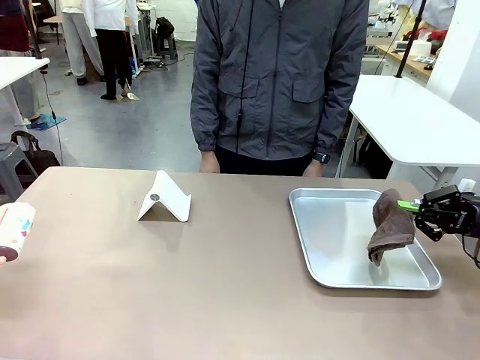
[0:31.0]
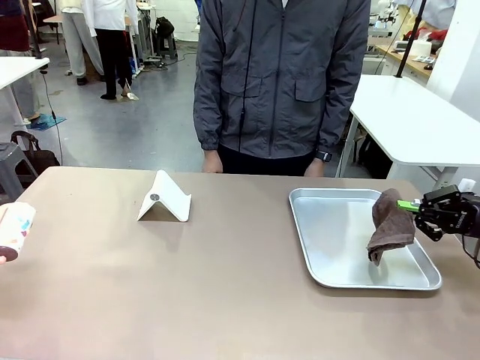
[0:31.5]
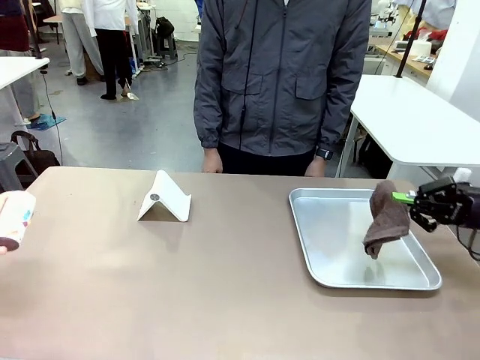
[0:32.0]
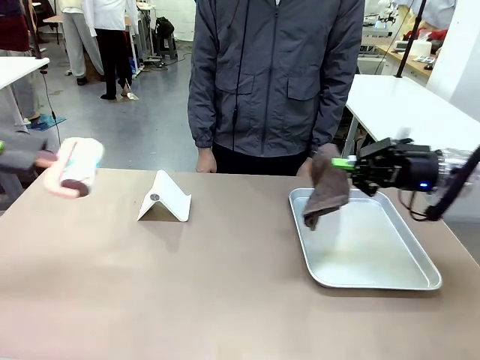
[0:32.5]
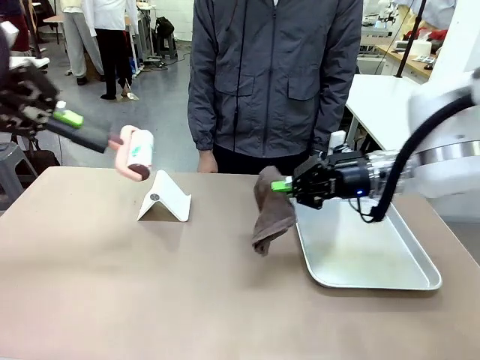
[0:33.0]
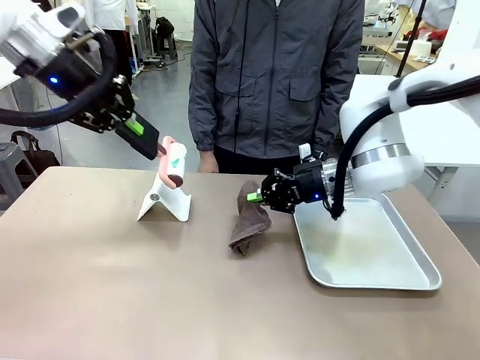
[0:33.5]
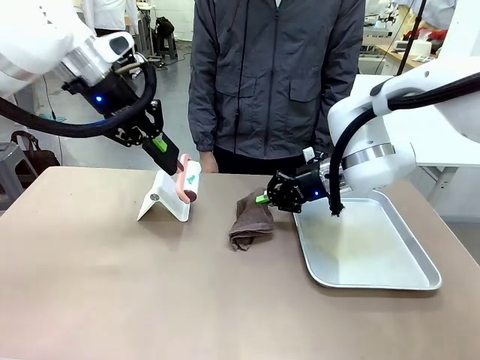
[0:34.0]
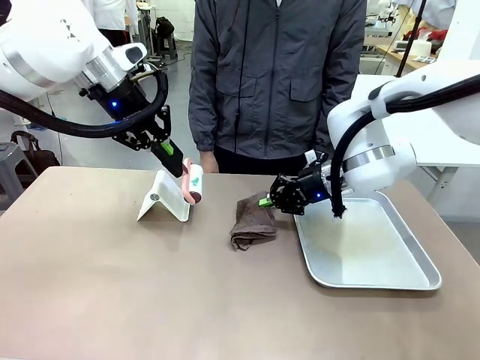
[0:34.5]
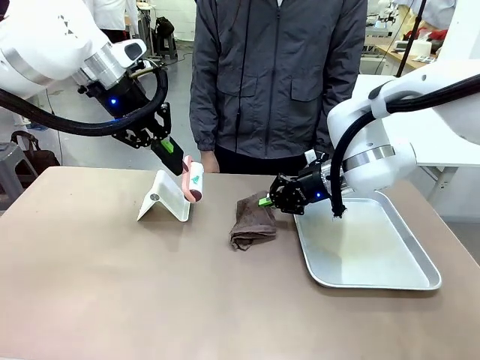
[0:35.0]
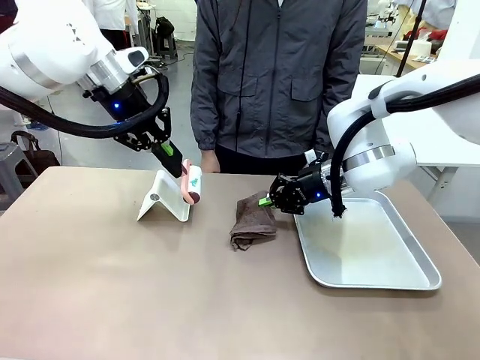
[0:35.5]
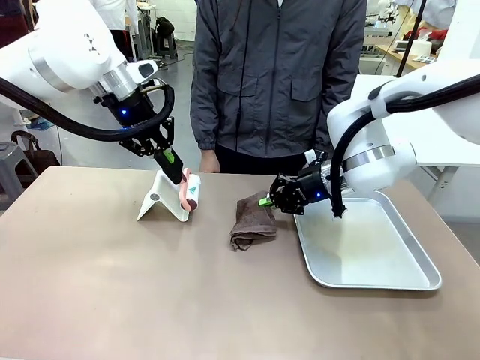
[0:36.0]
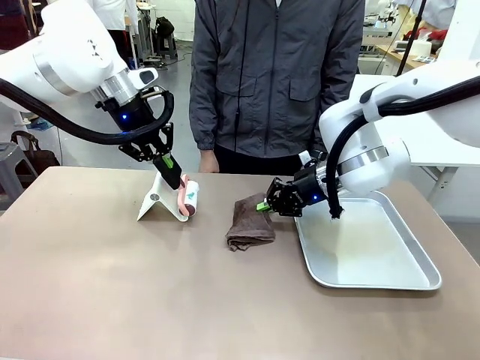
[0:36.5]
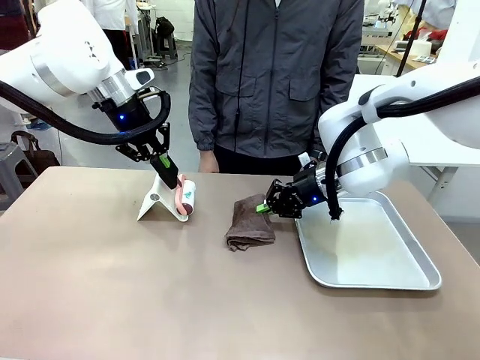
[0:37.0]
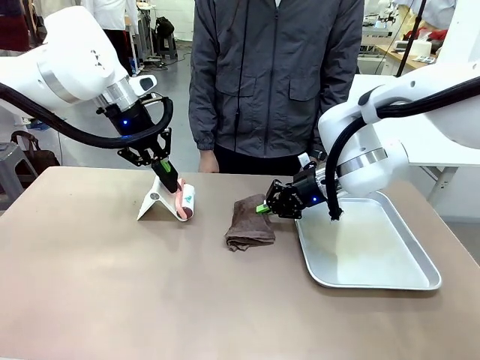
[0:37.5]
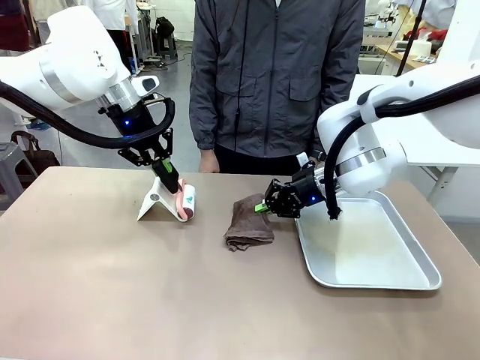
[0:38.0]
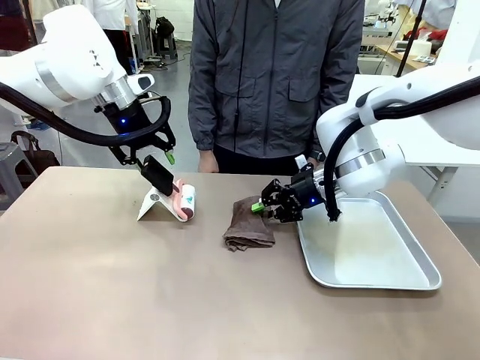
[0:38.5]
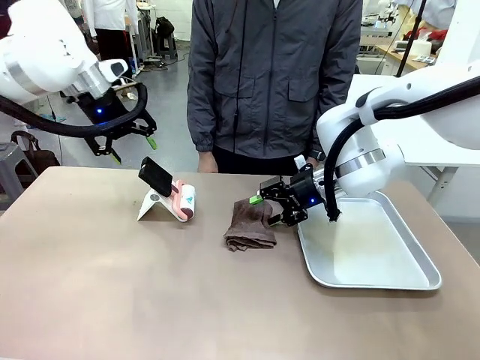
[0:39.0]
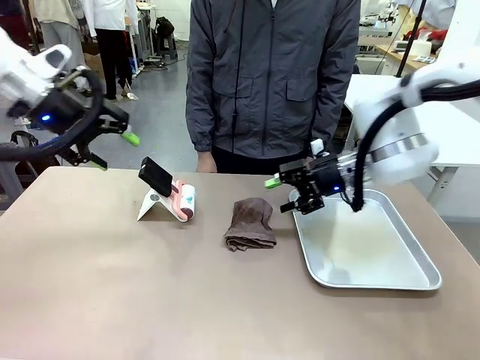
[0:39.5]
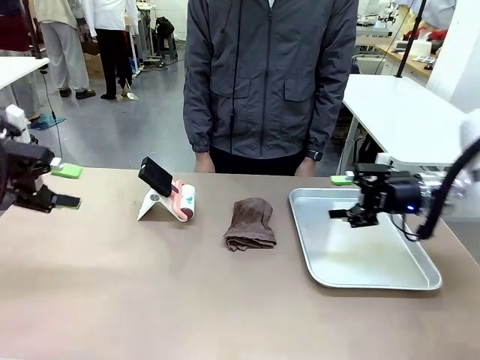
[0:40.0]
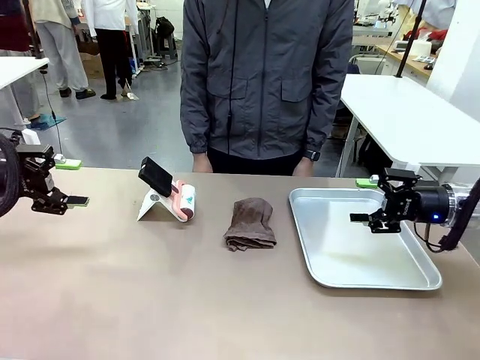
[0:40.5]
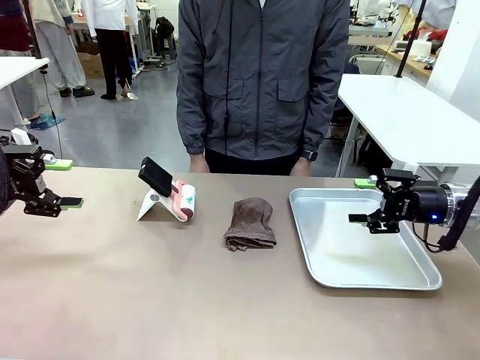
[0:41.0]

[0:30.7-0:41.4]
Task: Clean the surface of the table.
Robot: Return the Lint Roller and towel to their original positions.

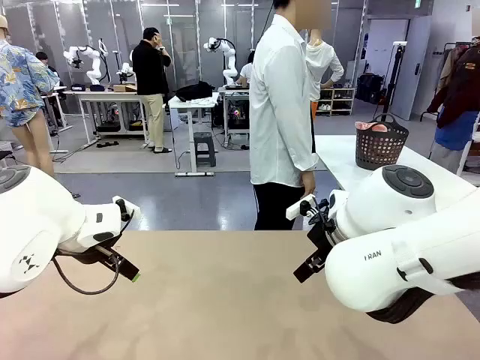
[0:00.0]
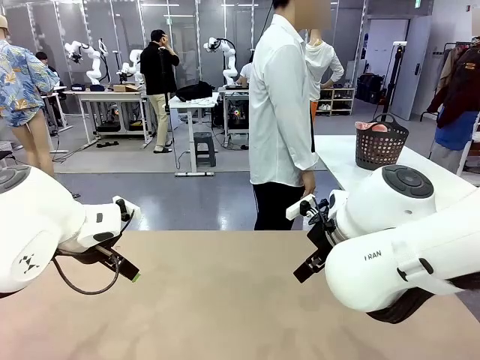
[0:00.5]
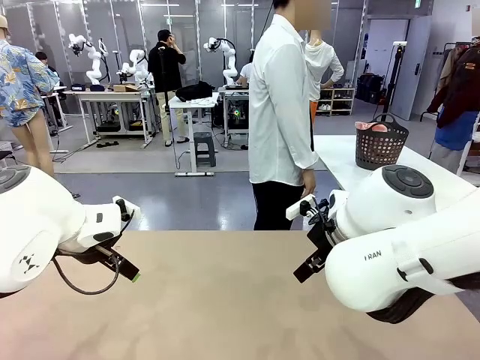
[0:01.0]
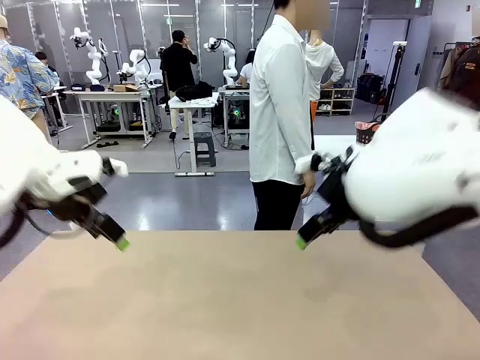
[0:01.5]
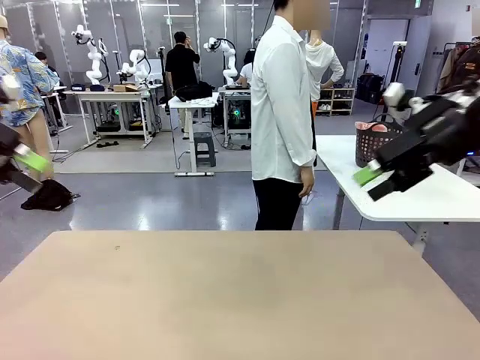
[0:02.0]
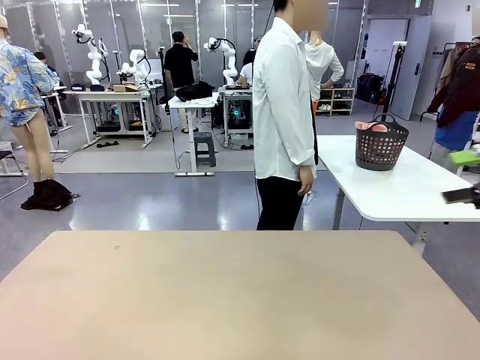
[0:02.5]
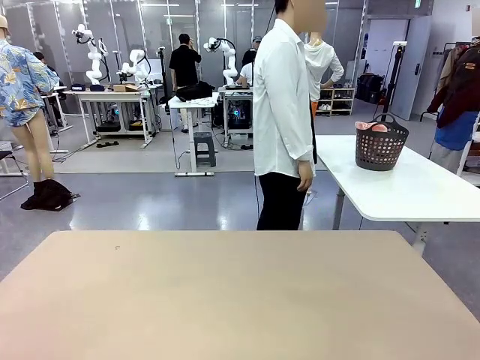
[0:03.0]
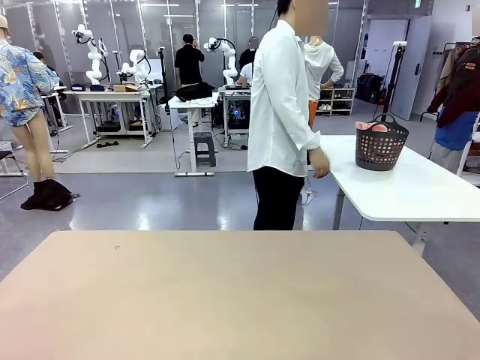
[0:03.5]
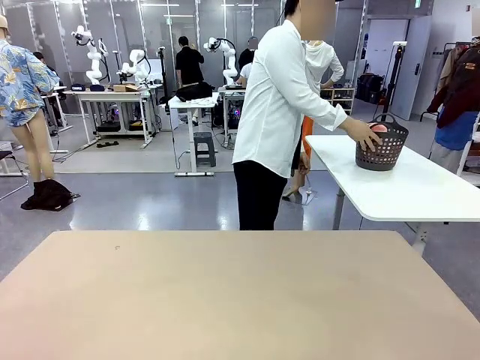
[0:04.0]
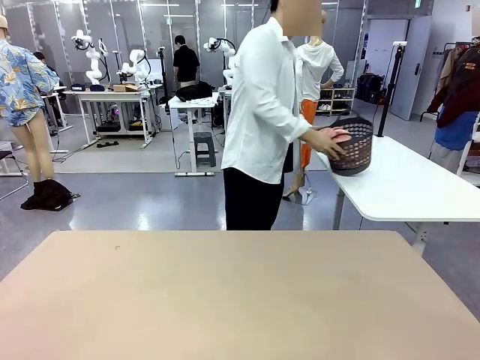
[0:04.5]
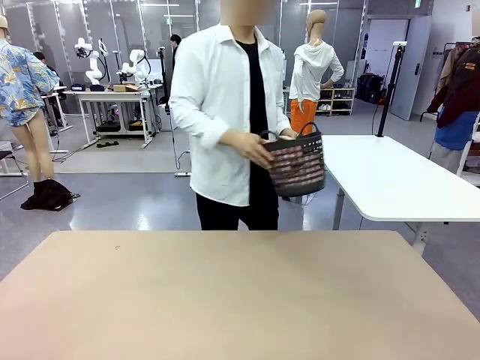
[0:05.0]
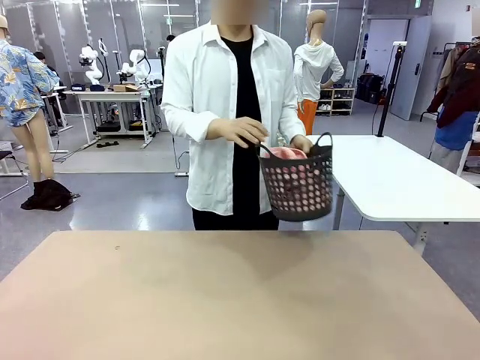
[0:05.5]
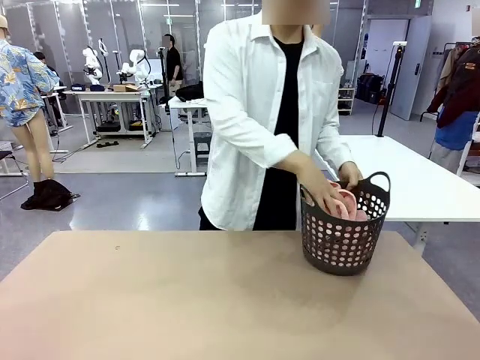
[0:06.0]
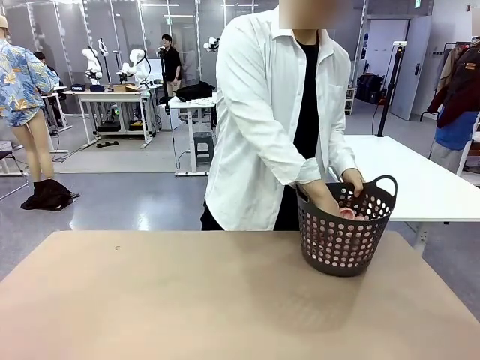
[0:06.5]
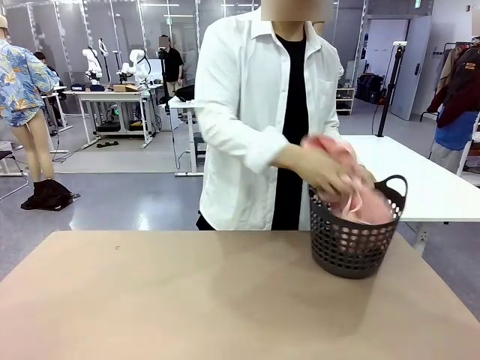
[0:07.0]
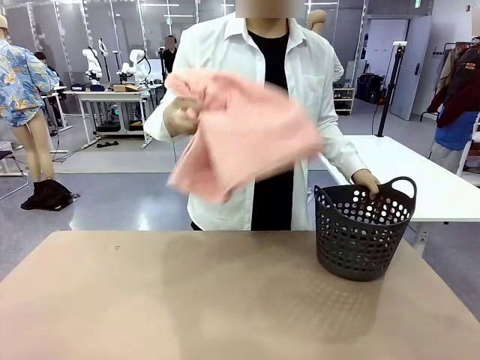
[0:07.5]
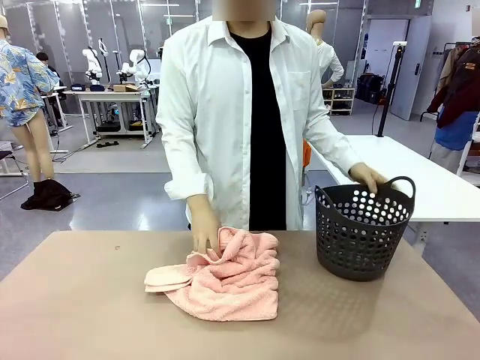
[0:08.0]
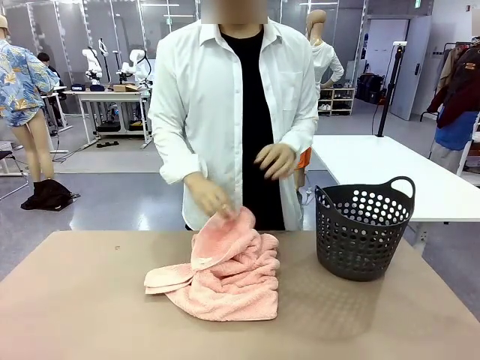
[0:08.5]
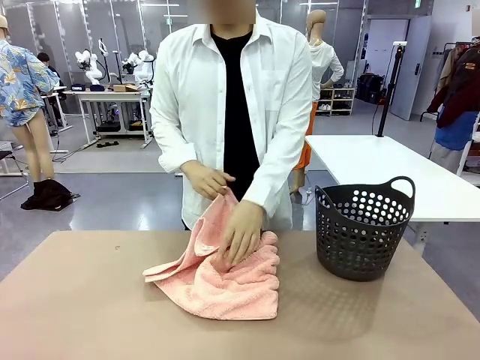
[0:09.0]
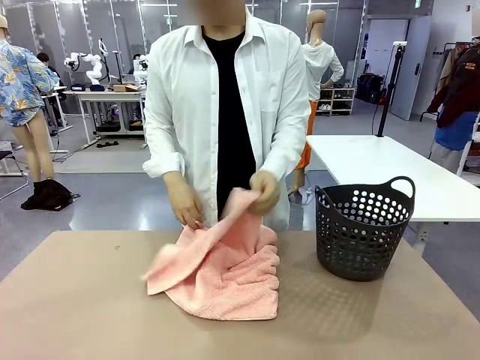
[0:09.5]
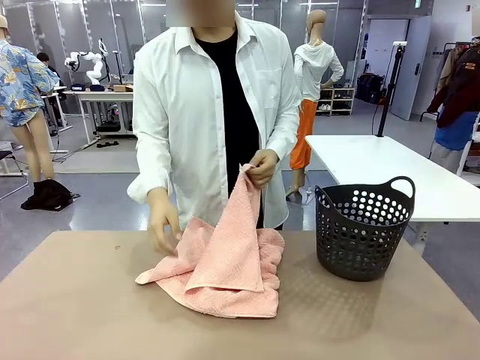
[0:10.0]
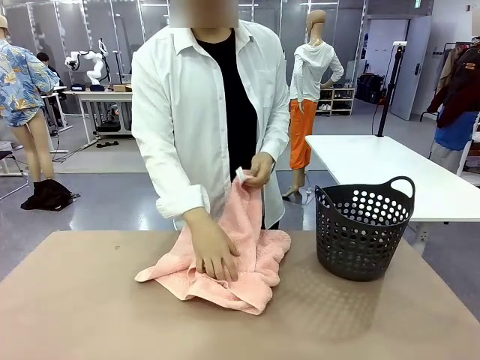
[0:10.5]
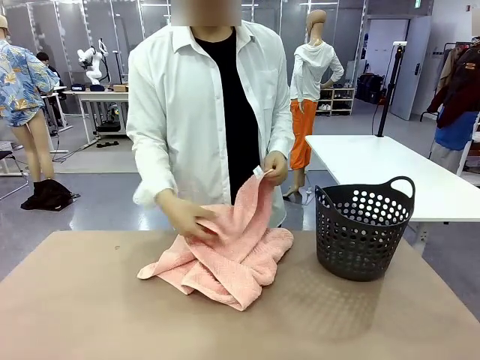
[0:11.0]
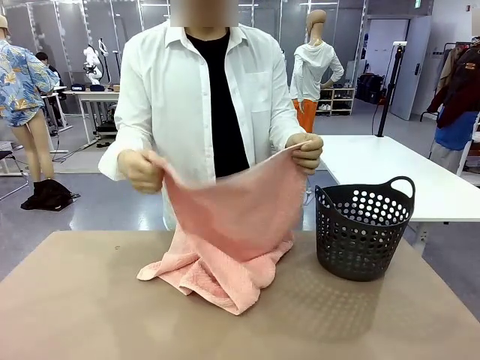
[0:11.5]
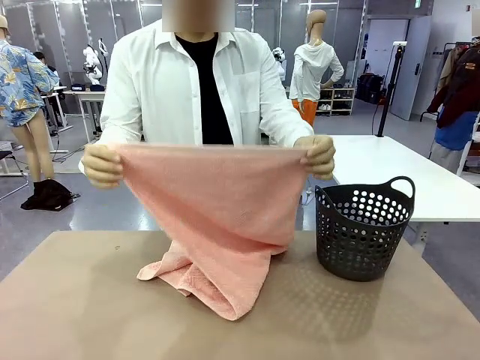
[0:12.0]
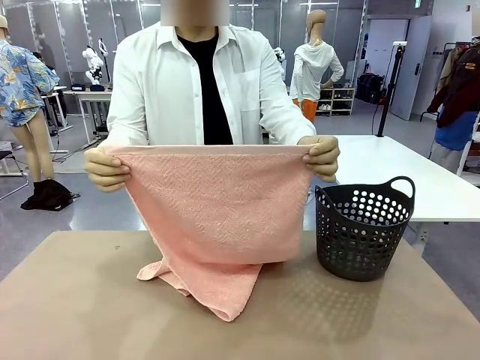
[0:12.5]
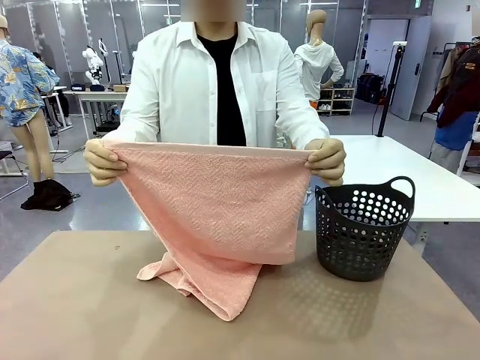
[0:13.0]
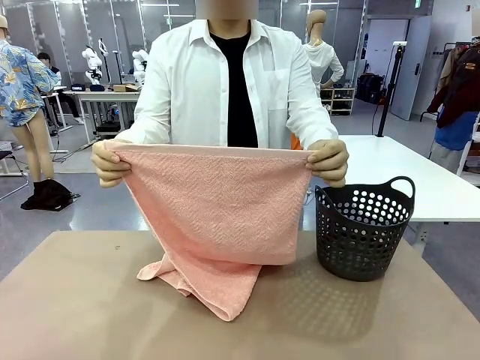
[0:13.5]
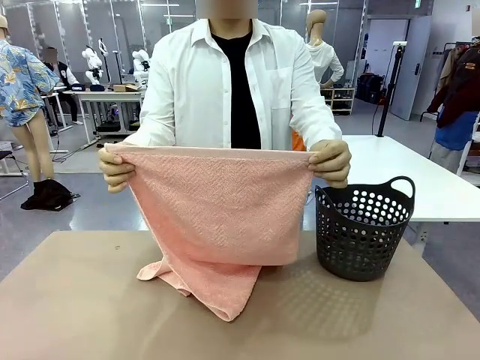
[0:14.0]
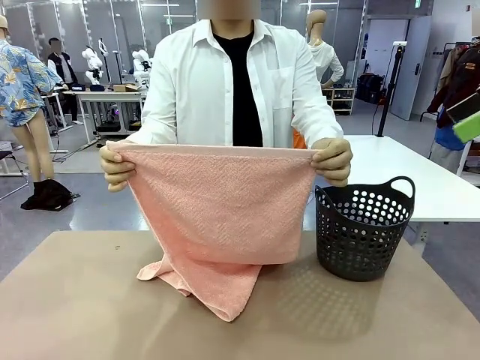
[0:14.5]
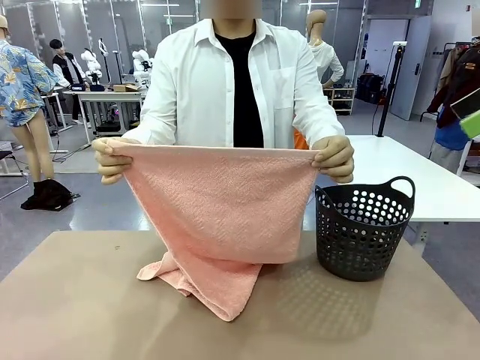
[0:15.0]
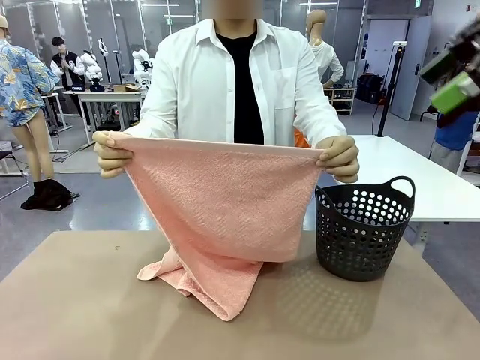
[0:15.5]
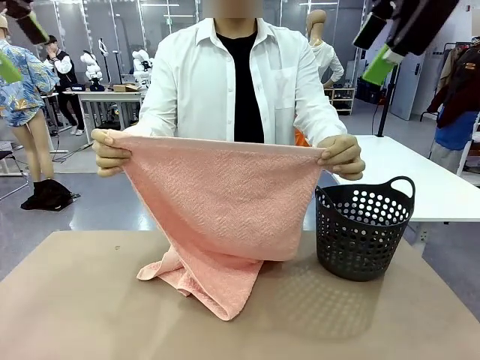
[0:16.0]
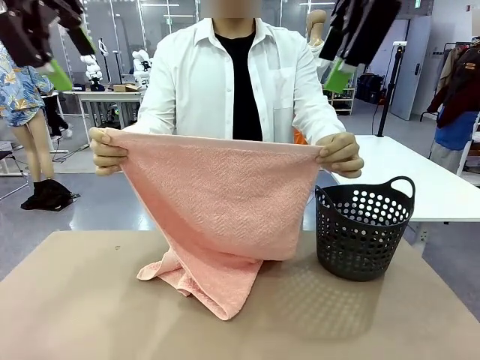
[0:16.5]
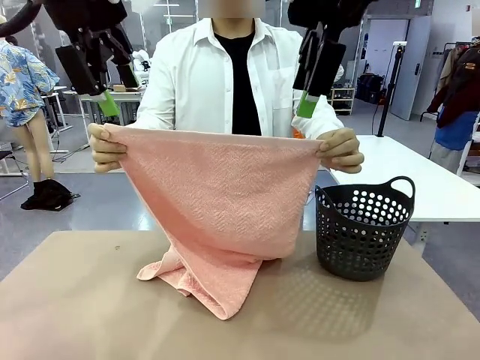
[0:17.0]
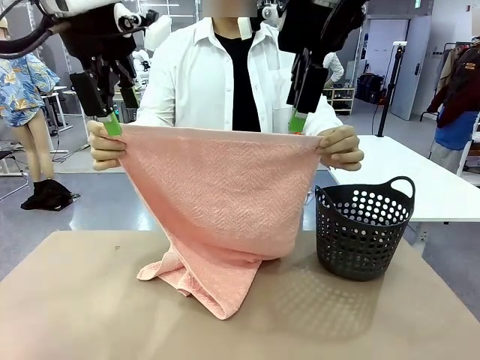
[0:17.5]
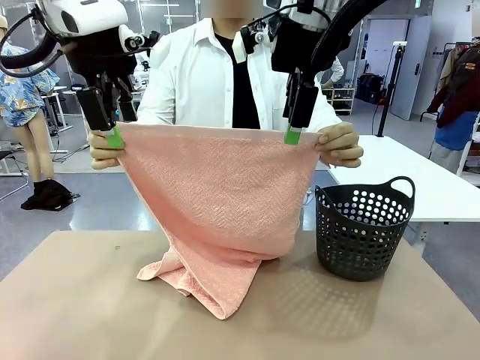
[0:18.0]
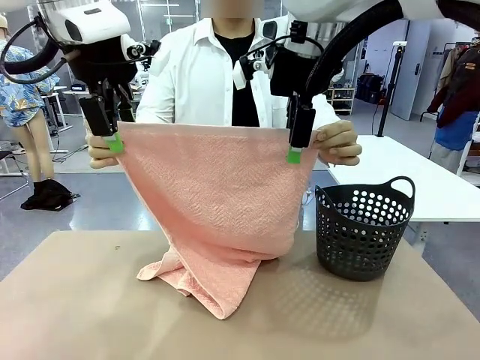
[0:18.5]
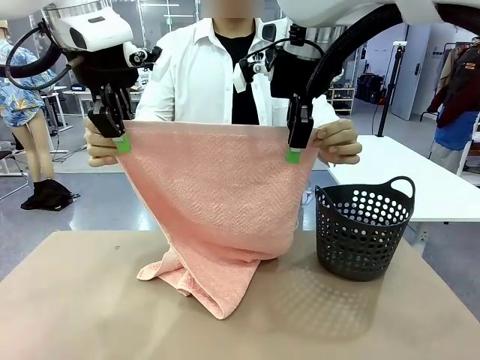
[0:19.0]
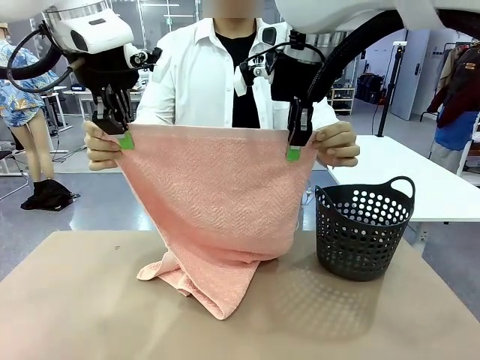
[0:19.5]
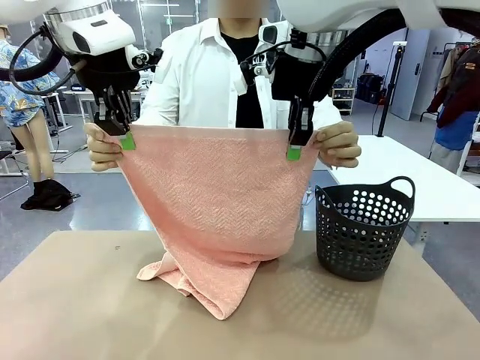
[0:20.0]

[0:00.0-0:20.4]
Task: Fold the towel.
Robot: Grab the top end of the 100 cm Hotel Towel extended by the human.
Person: Pick up the laundry basket, place it on the left side of the robot table, then take out a towel and hand it to the robot while holding both corners of one end.
